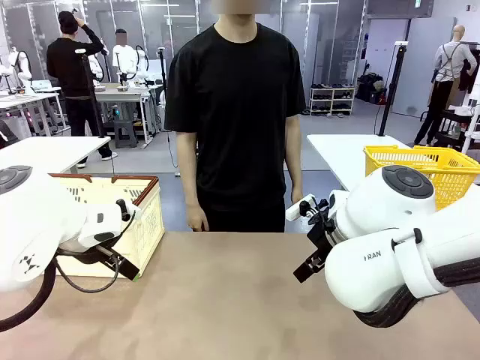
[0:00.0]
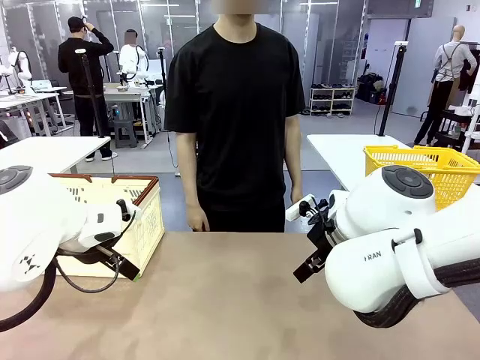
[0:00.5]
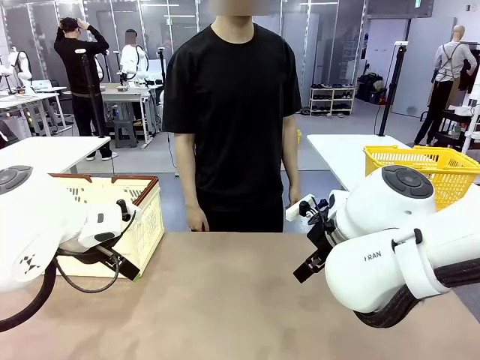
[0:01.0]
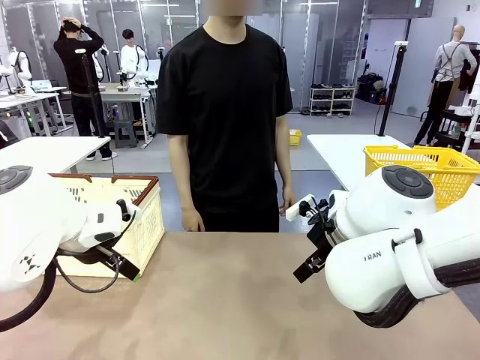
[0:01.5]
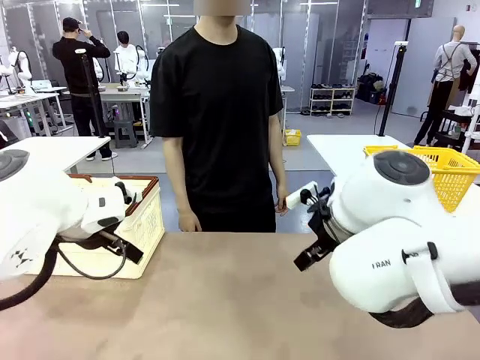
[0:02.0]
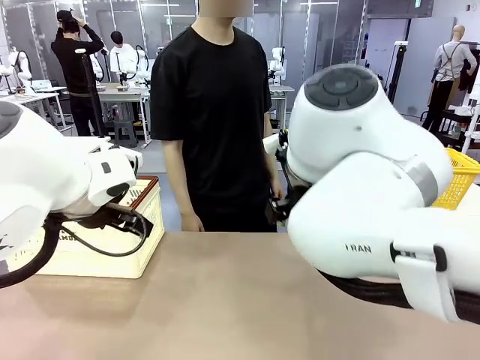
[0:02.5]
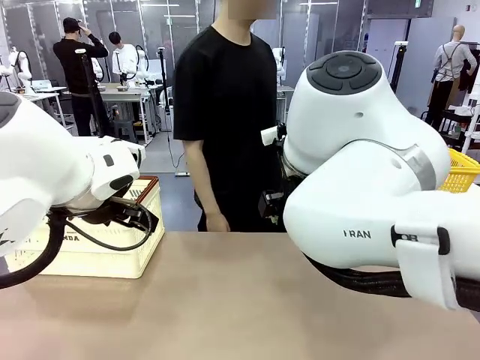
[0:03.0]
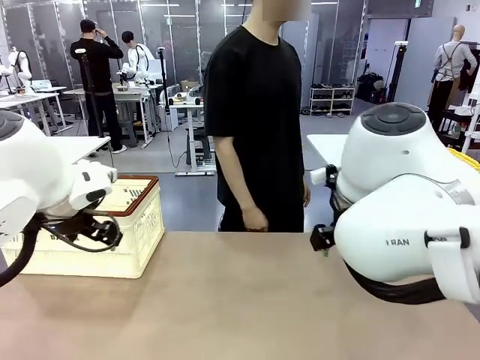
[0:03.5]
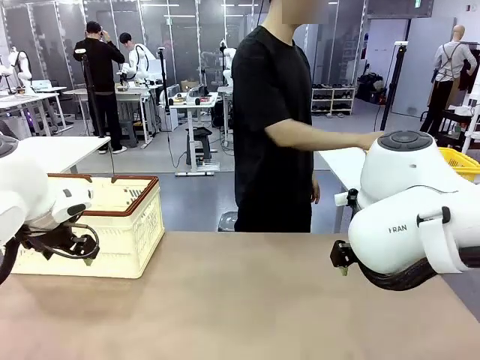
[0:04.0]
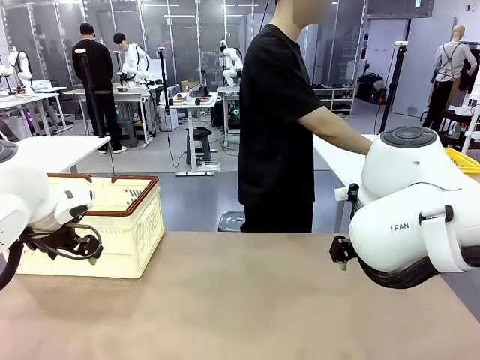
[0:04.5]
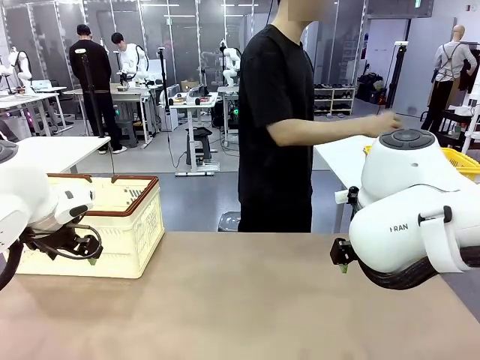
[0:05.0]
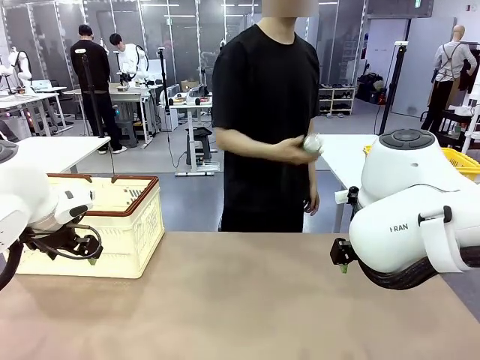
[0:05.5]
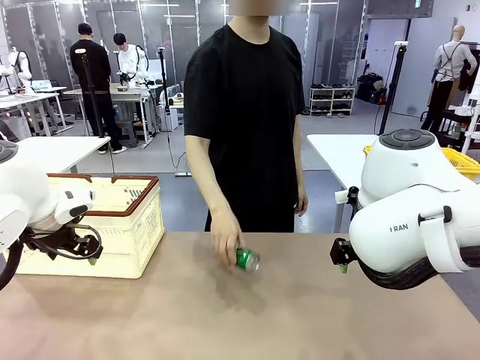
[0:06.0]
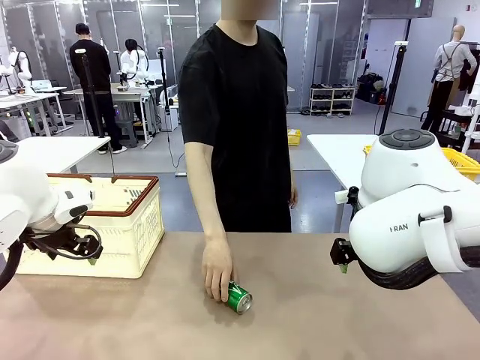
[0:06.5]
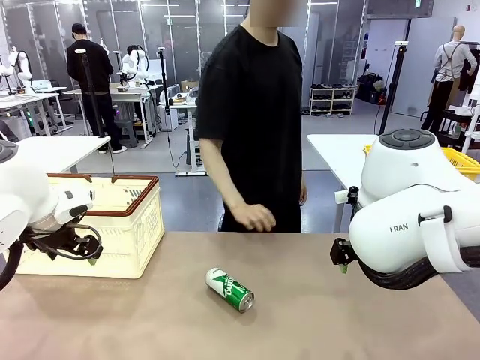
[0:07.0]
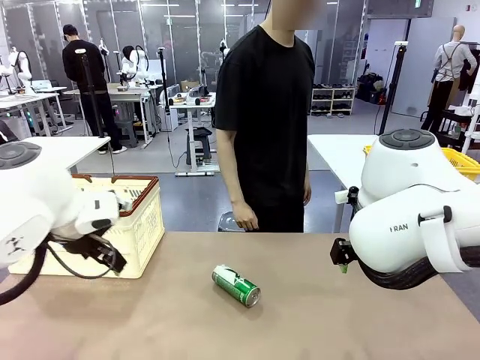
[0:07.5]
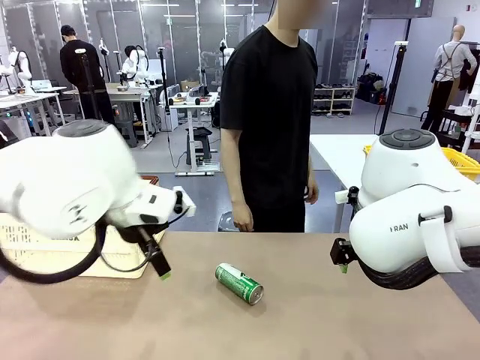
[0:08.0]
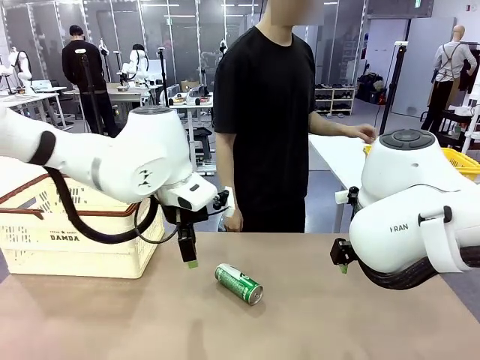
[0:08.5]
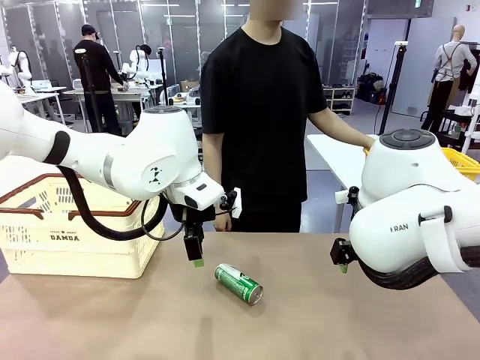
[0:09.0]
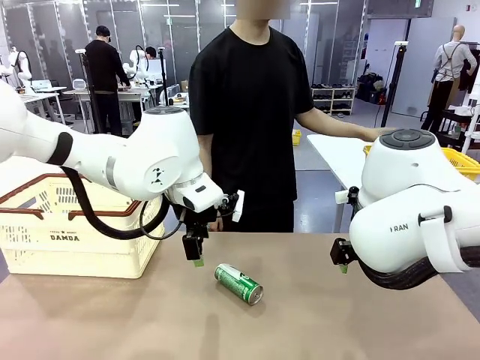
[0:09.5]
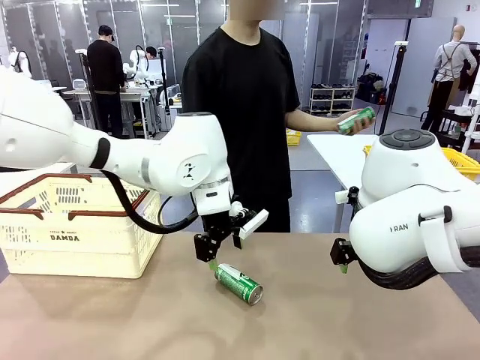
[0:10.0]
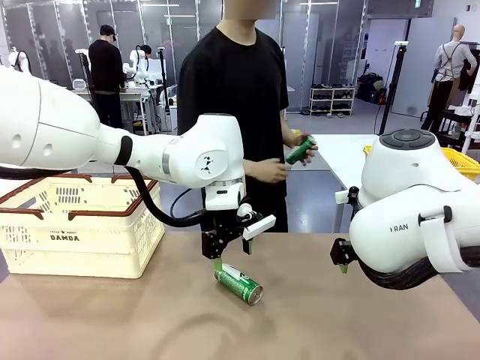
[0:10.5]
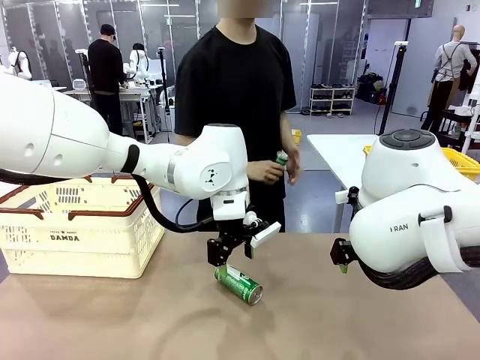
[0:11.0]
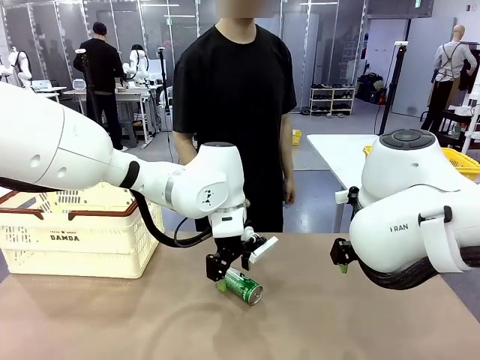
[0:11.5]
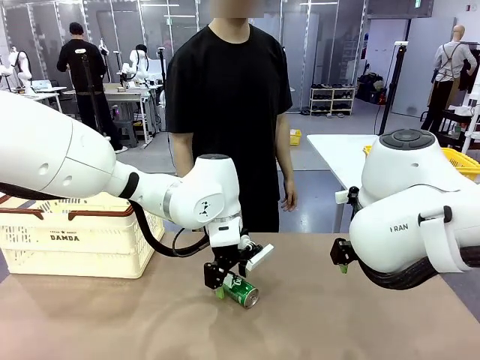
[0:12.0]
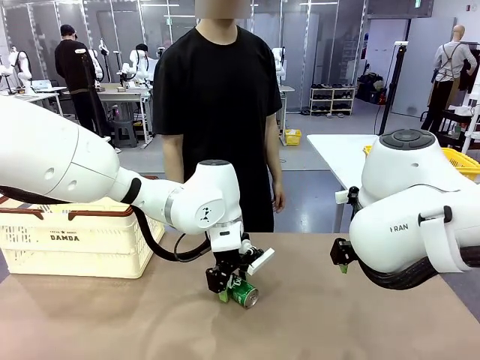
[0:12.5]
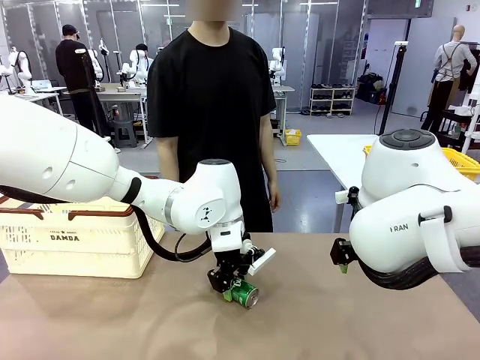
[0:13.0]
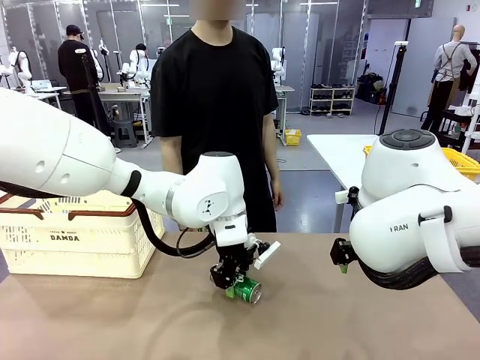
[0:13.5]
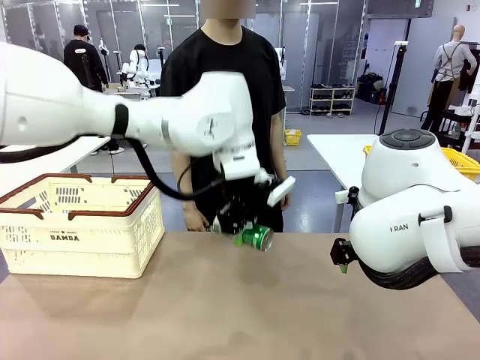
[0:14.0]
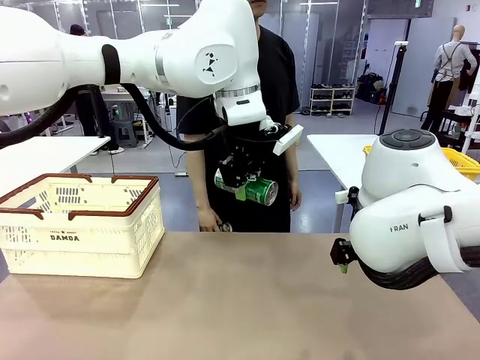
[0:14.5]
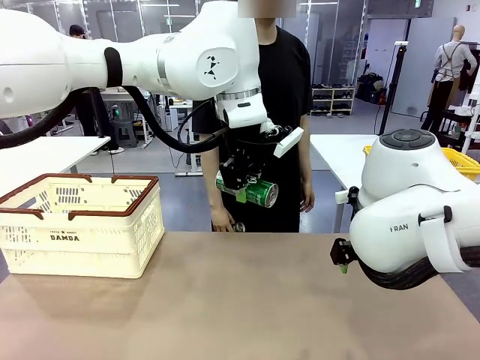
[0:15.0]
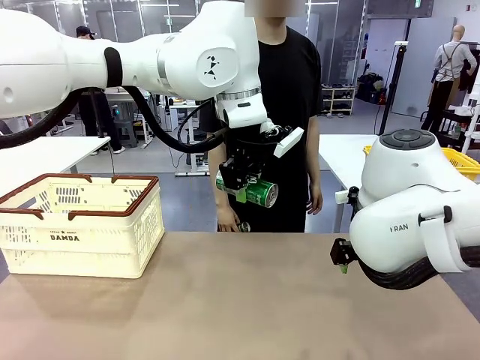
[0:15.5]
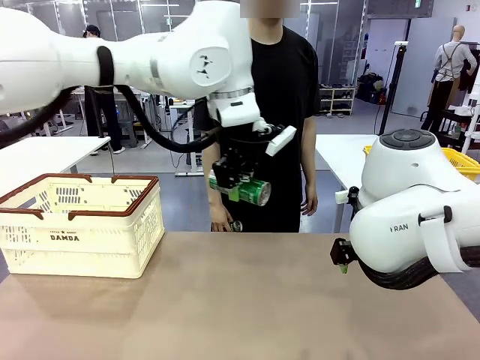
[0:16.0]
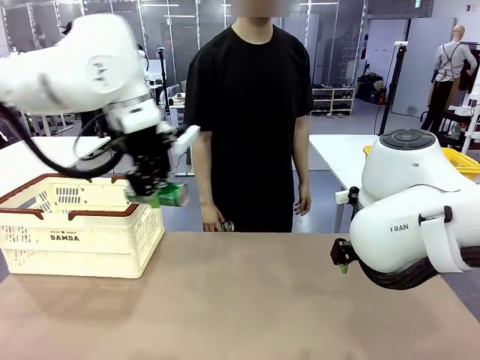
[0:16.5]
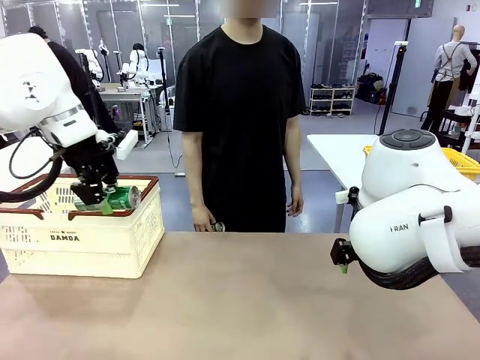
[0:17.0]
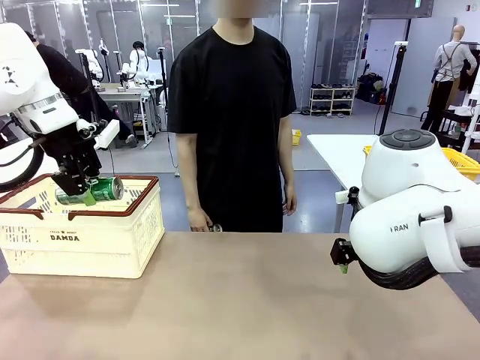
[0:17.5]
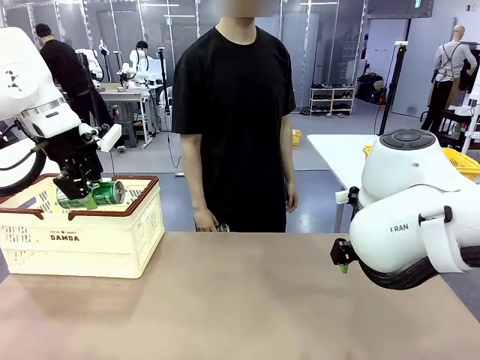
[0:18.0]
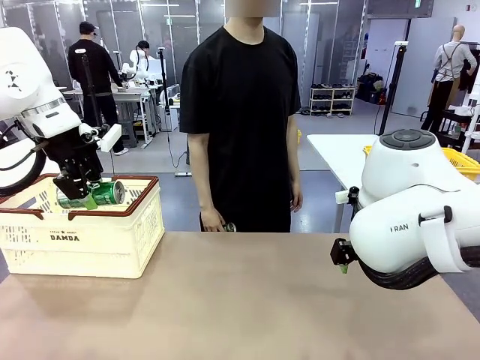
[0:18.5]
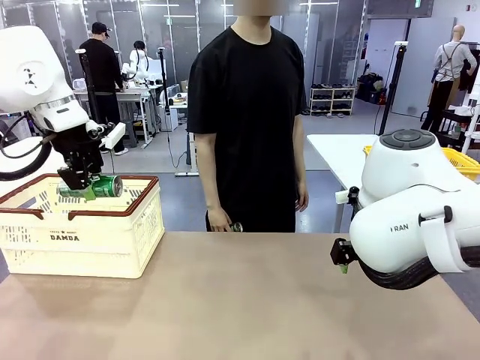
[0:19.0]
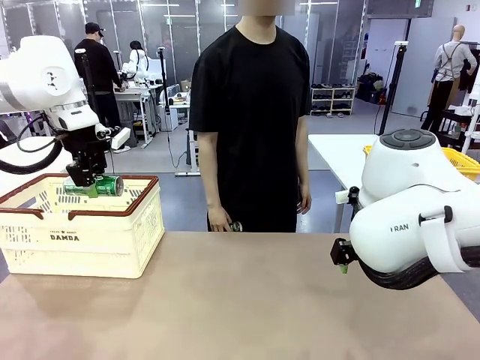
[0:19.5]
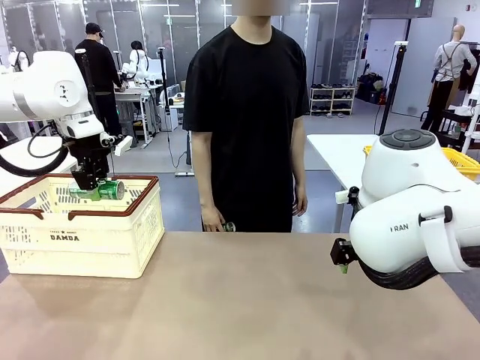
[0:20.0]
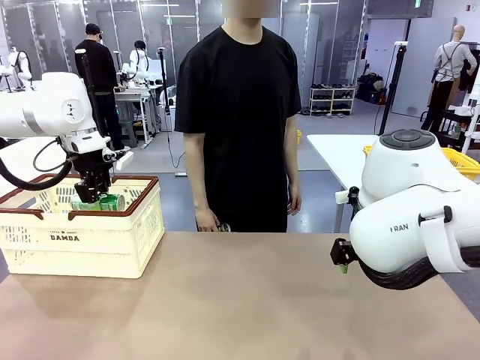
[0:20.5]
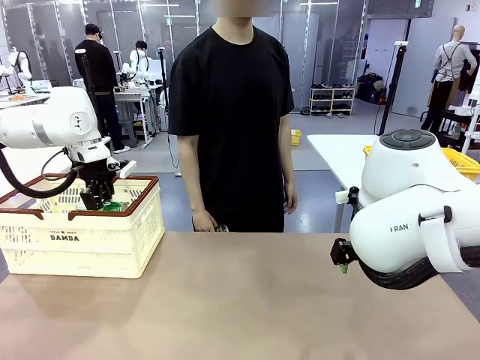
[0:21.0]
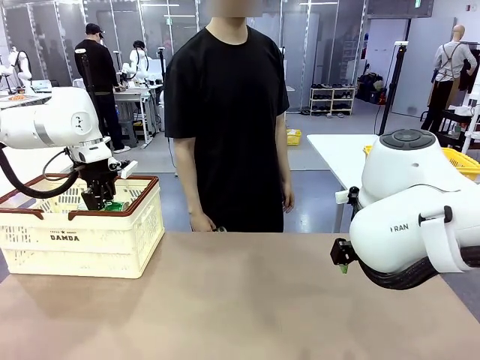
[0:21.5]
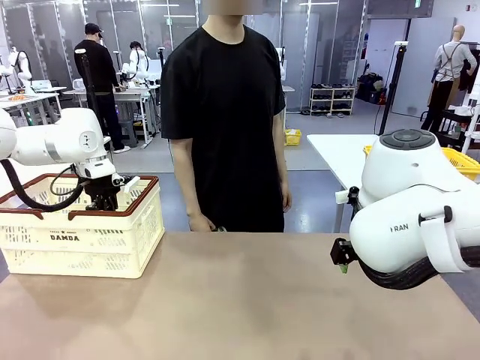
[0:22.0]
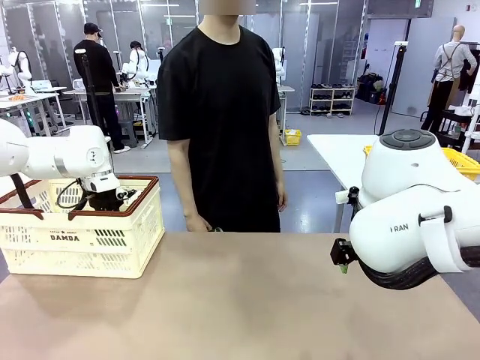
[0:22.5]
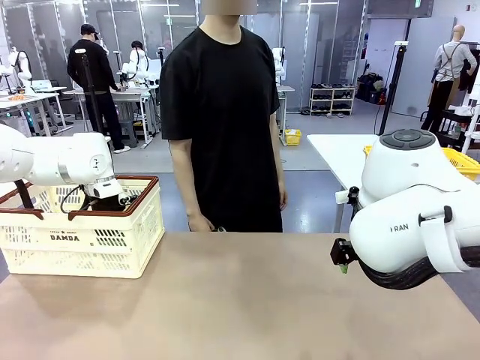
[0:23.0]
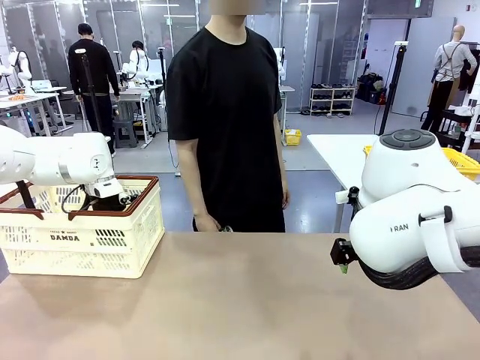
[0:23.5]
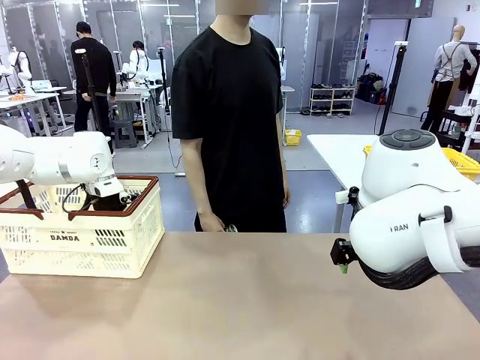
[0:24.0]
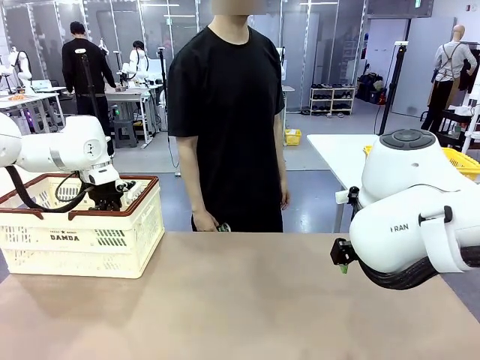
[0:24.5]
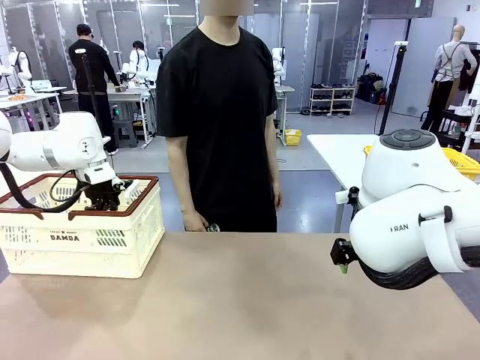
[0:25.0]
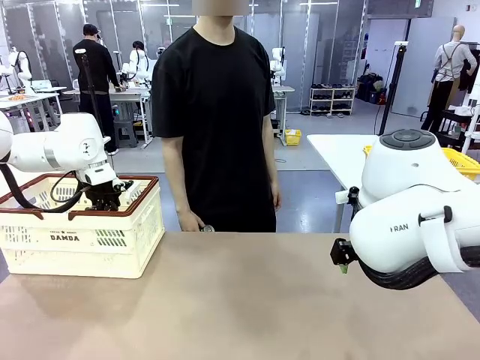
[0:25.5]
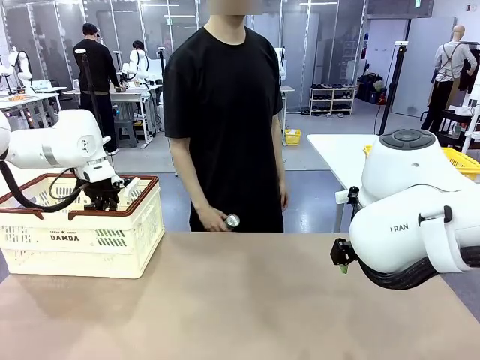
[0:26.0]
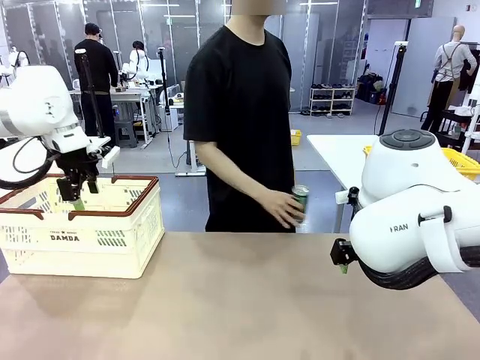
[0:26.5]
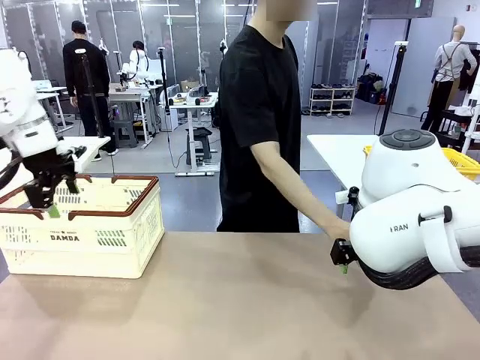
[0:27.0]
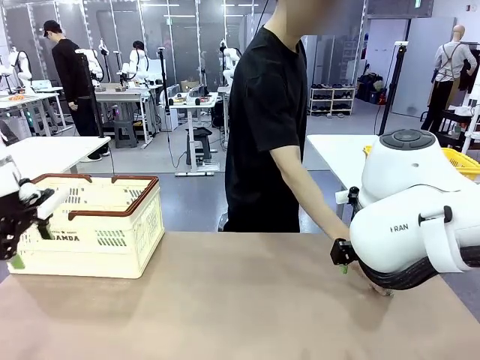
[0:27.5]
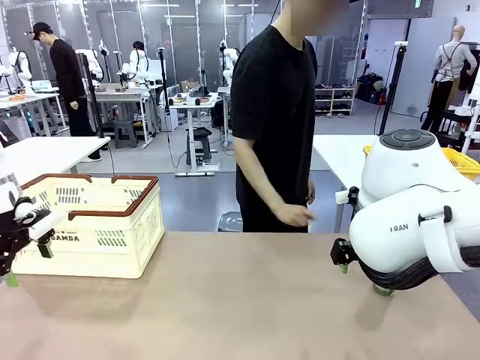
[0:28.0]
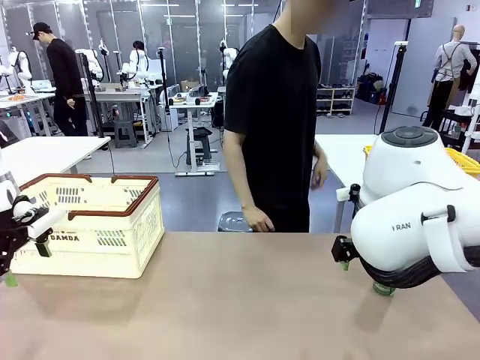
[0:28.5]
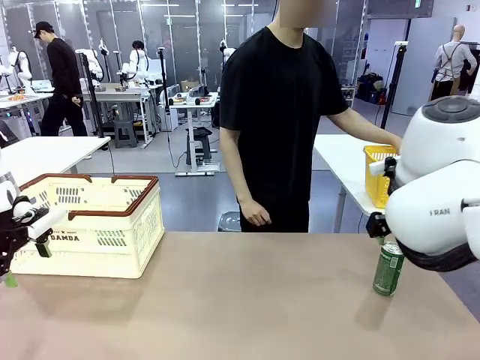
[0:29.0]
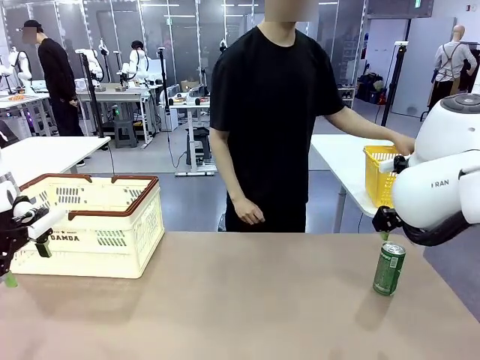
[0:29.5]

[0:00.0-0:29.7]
Task: Place the drinks into the Shopping basket.
Robot: Pick up one drink and place it into the Shopping basket.
